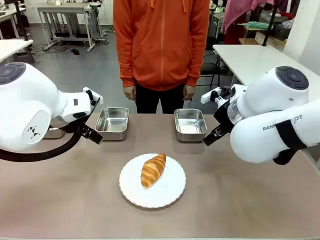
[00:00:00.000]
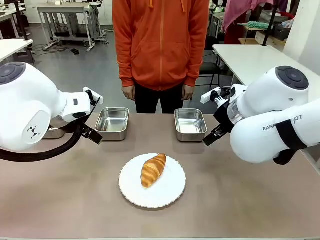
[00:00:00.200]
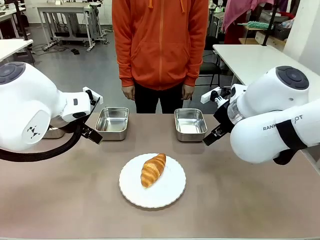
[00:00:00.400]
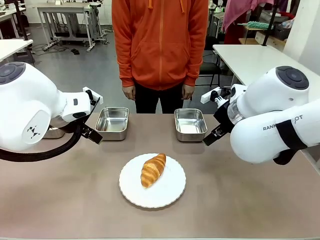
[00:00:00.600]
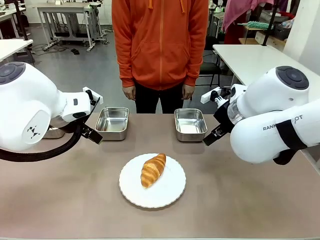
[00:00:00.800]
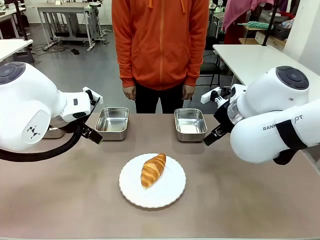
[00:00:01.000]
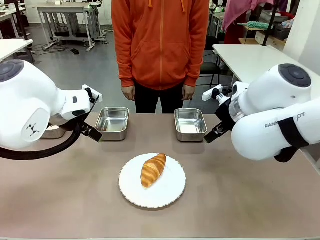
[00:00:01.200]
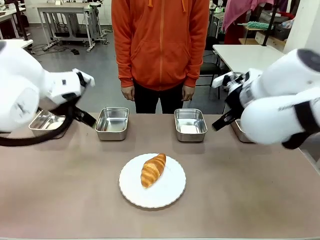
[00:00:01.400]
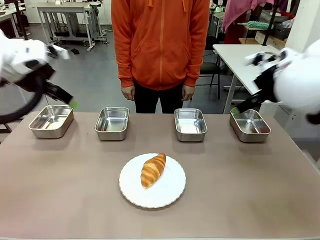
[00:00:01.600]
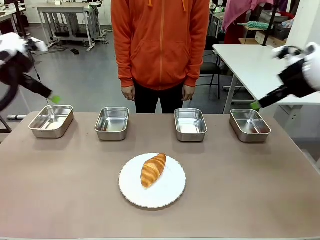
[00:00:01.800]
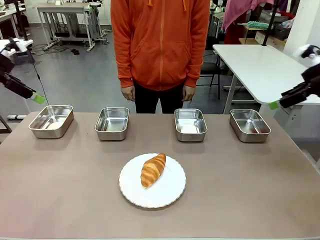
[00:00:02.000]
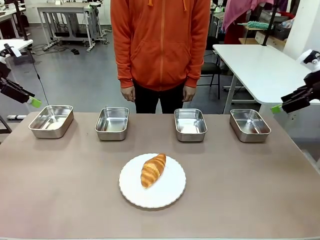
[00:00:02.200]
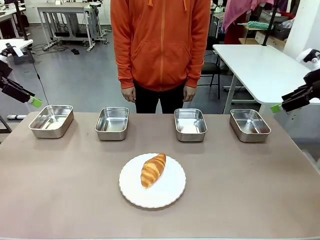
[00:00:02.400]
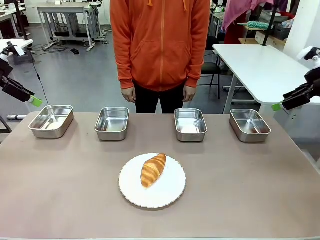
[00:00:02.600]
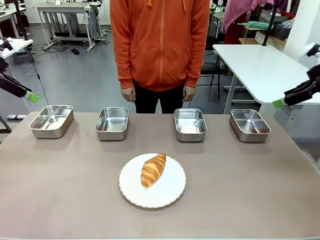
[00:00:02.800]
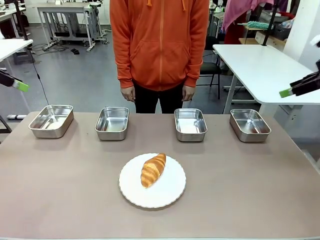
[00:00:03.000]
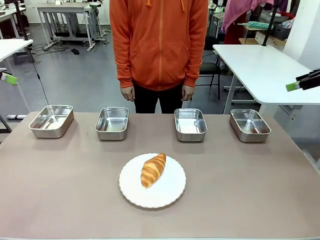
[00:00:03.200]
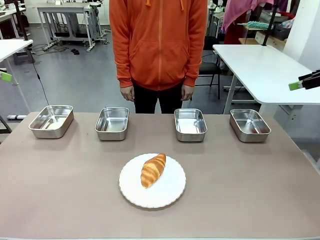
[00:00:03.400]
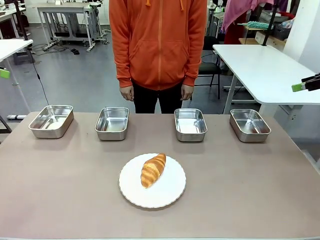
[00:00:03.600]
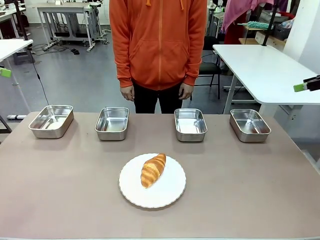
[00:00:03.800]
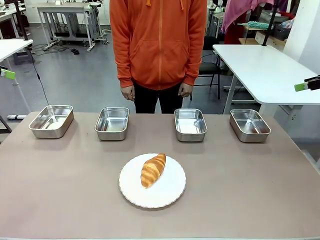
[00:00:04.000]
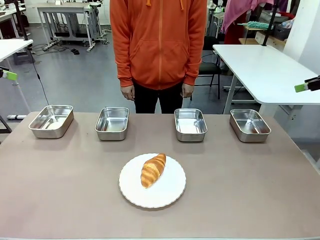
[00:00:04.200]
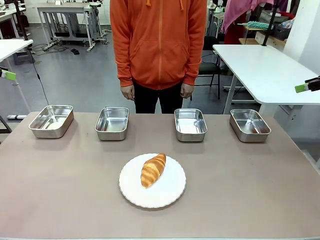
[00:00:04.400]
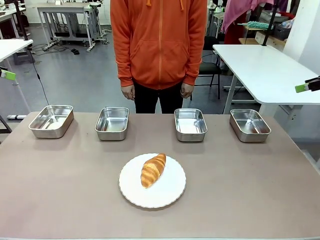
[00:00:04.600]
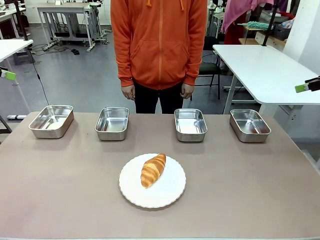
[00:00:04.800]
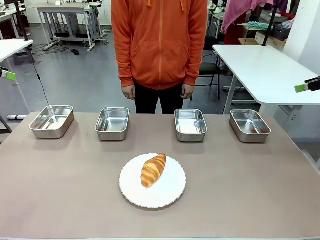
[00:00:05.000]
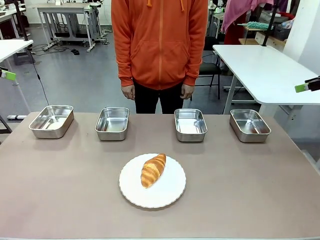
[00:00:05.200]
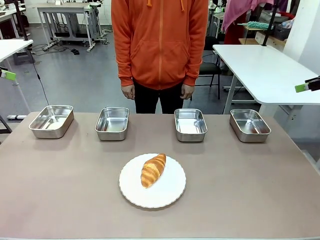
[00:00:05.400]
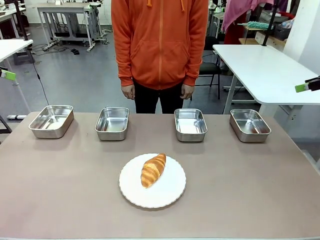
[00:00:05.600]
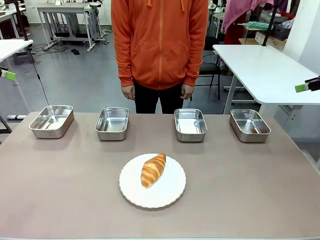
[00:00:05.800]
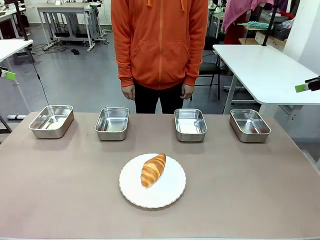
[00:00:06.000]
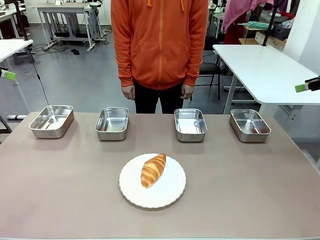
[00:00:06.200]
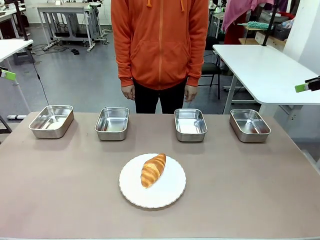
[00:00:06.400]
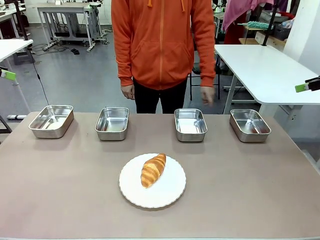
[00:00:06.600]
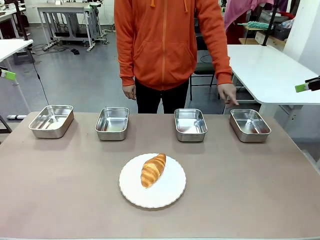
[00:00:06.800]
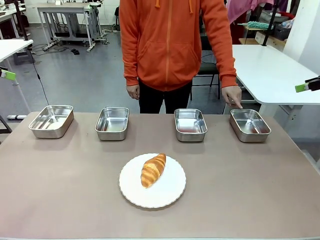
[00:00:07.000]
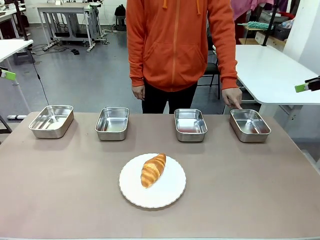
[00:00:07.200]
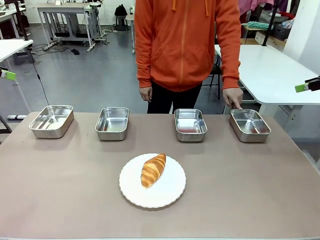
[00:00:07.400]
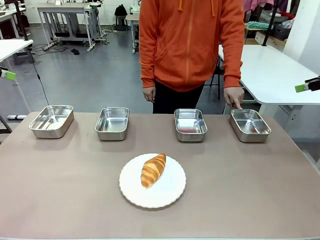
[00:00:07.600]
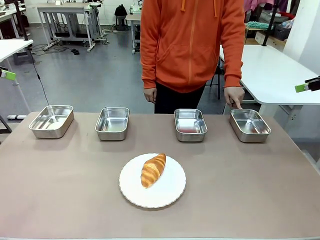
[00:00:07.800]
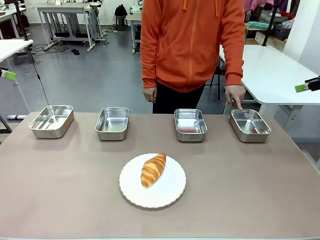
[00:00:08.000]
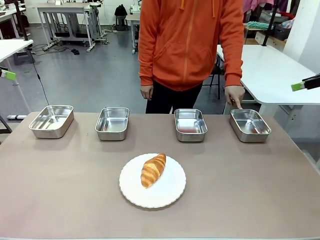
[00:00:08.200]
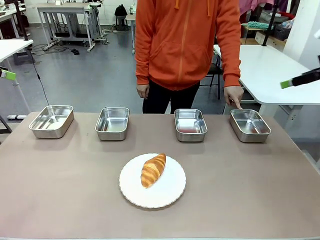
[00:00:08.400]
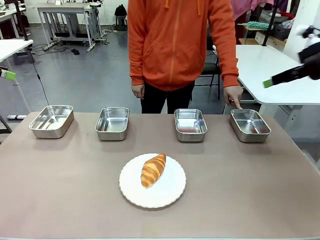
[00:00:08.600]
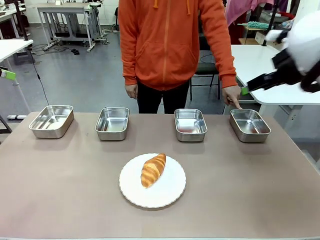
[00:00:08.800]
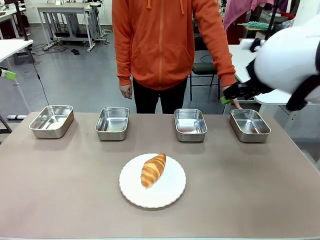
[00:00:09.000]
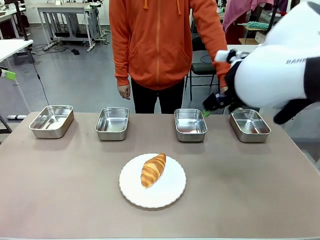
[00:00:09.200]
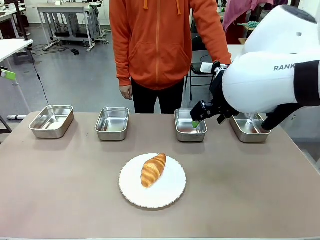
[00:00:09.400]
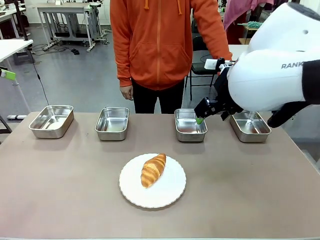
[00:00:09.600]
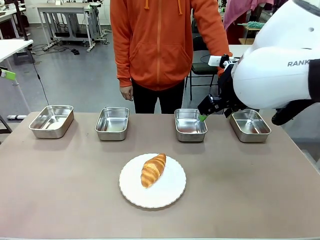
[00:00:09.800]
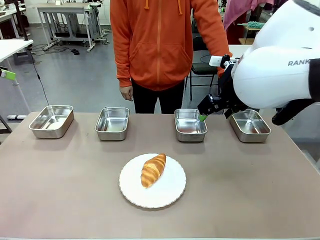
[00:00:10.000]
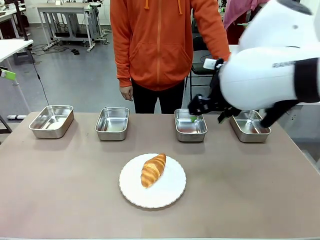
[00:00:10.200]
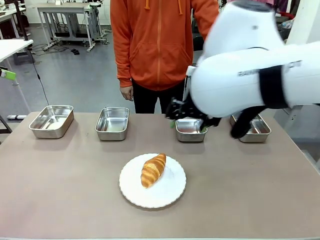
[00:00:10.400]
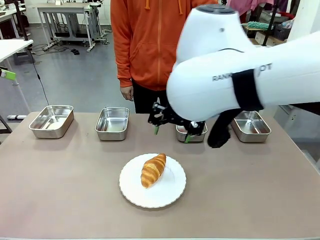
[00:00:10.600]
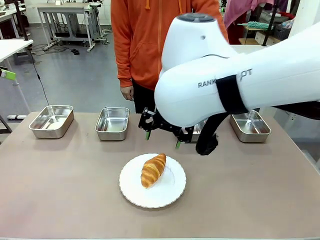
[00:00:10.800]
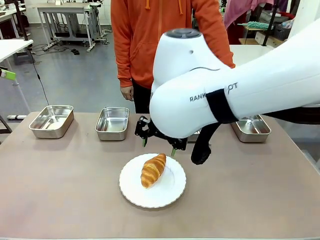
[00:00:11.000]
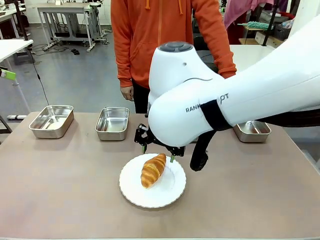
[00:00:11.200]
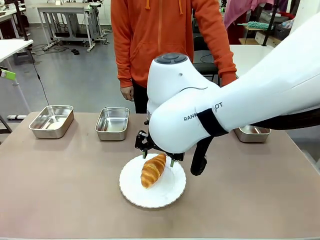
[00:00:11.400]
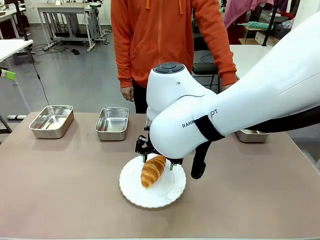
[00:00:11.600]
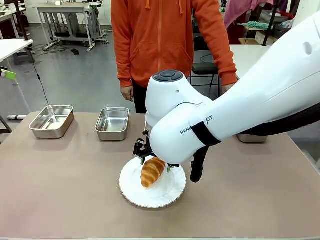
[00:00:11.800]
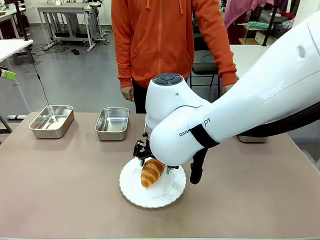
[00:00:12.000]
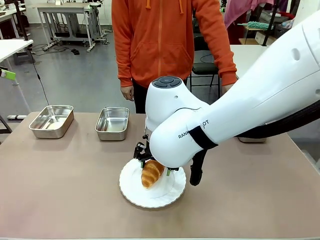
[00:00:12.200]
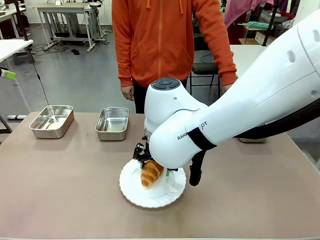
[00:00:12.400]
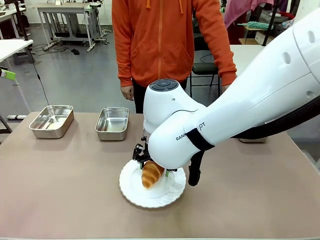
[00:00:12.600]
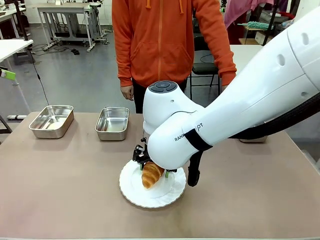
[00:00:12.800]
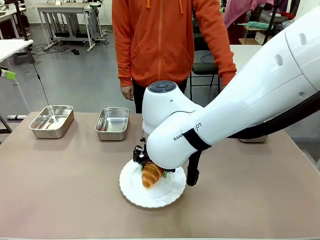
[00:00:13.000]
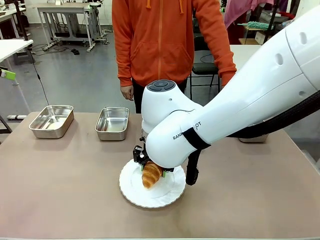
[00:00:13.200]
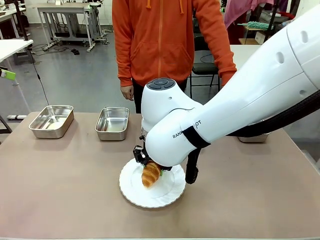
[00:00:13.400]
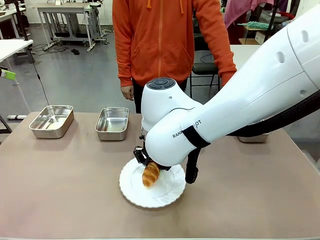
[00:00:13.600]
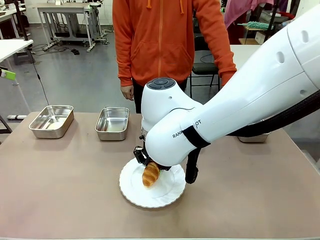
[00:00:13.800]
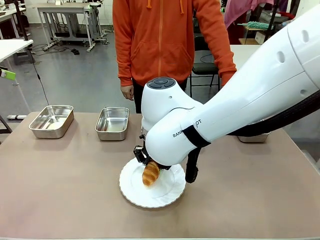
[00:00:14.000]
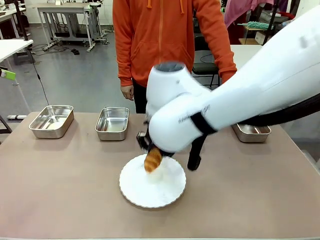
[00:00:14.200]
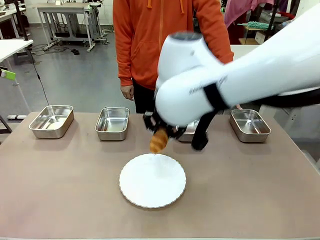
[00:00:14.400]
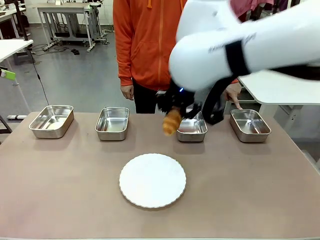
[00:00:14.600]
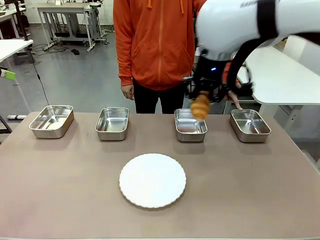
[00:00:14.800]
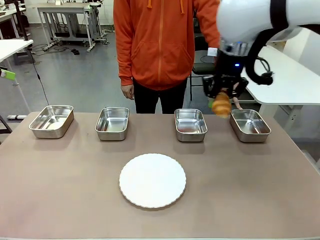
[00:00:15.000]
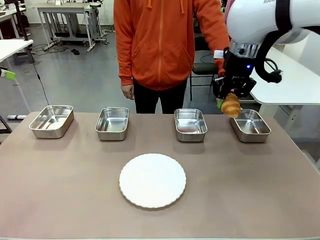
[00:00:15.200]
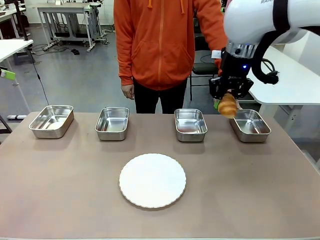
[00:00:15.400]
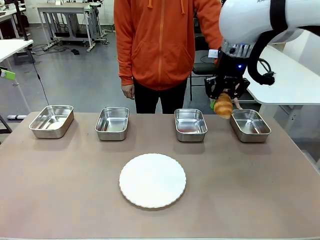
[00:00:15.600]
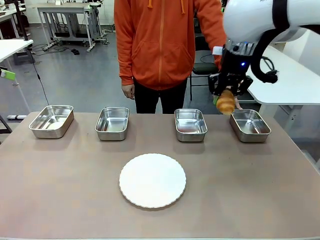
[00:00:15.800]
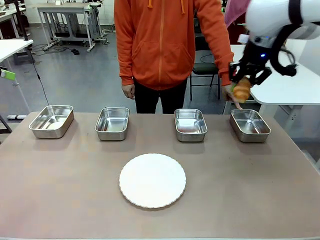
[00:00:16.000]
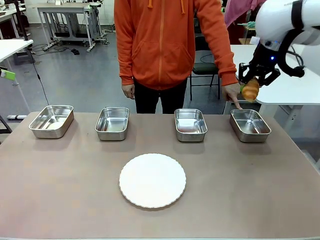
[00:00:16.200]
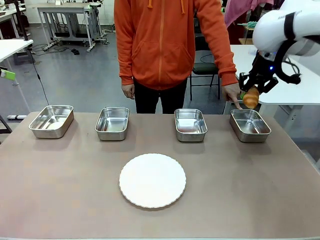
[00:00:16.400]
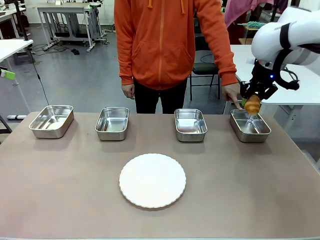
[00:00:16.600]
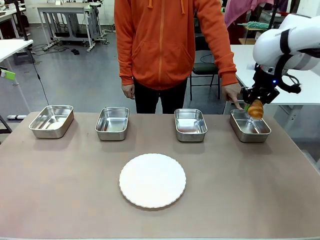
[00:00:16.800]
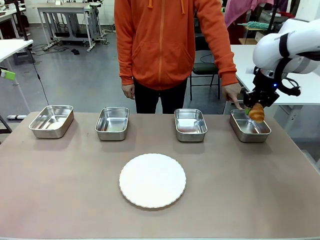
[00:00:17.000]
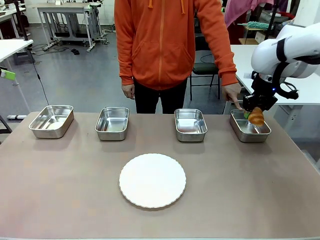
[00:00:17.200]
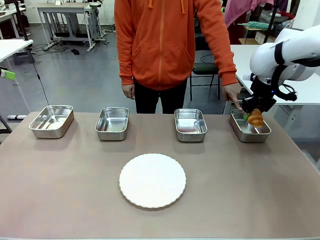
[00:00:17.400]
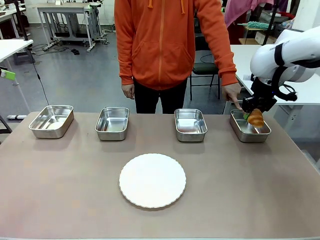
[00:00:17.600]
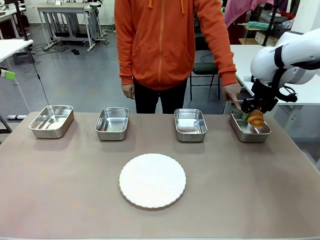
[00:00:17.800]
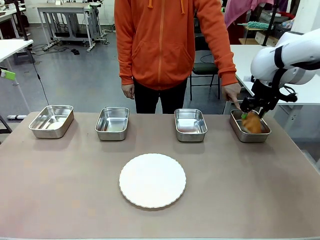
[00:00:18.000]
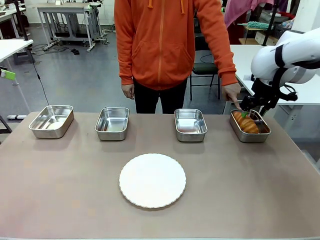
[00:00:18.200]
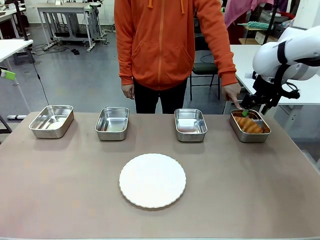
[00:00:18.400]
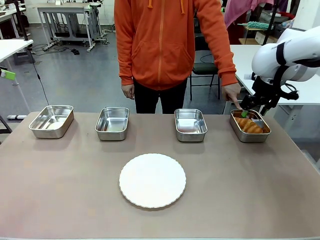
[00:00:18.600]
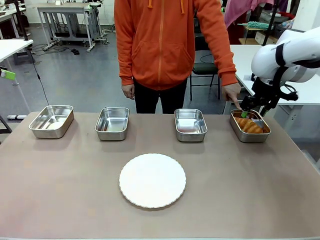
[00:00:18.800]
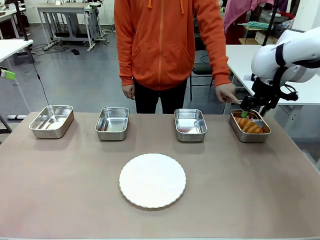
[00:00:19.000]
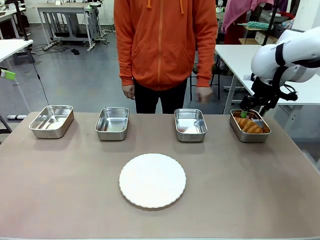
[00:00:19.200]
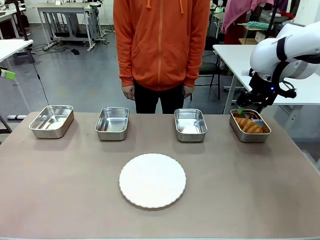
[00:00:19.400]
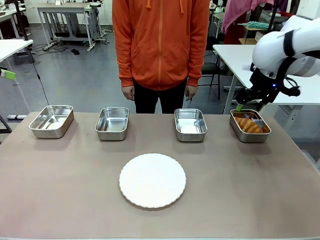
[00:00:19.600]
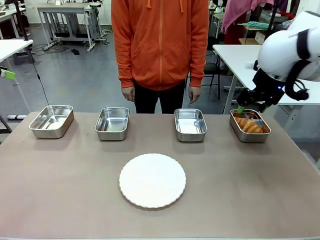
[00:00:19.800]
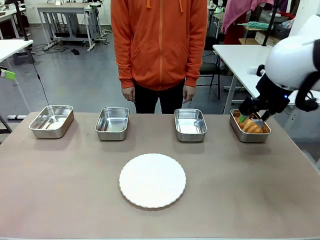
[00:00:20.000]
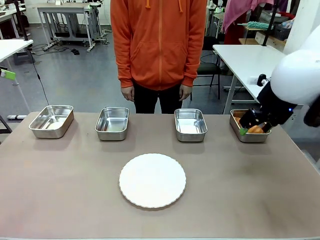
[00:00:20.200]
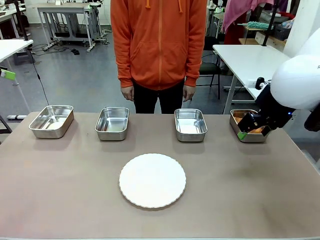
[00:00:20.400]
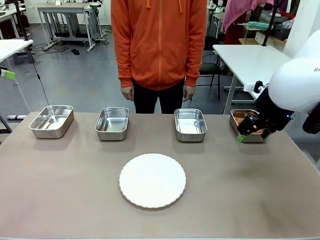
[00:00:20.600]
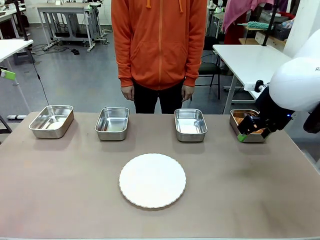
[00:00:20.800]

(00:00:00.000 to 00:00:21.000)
Task: Place the bread in the container.
Robot: Place the Butter Roll into the Airtight Container indicated by the human.
Person: A person randomly selects and points to an Airtight Container.
